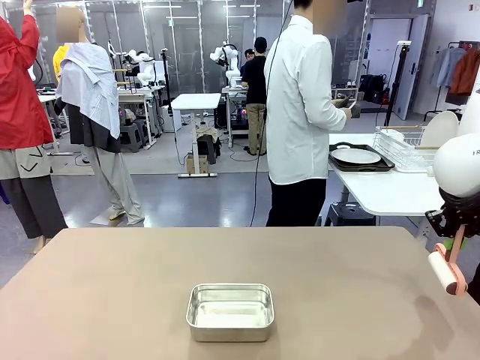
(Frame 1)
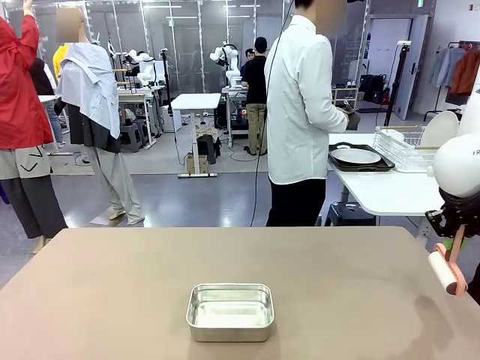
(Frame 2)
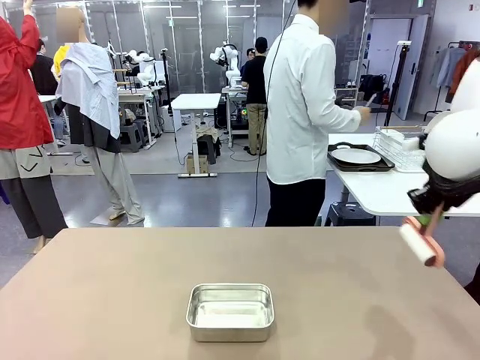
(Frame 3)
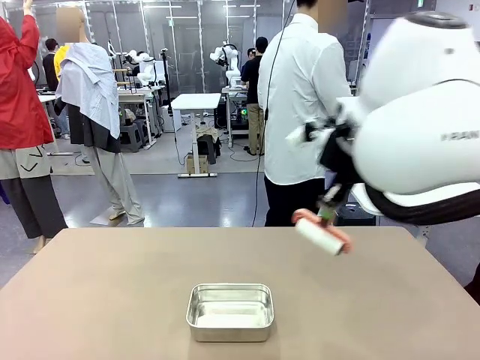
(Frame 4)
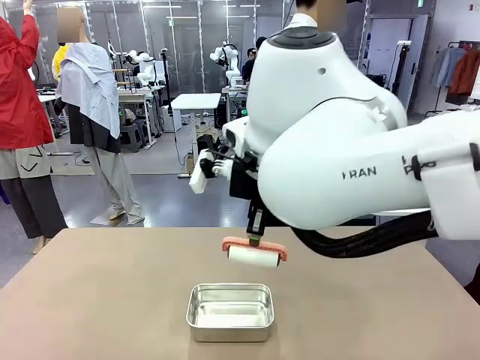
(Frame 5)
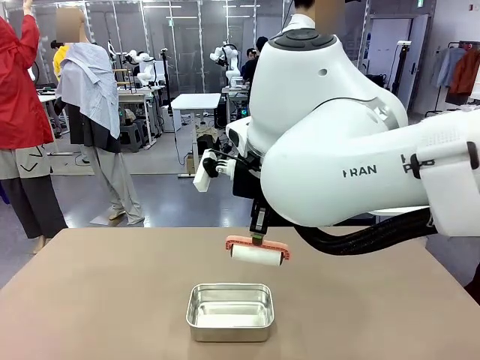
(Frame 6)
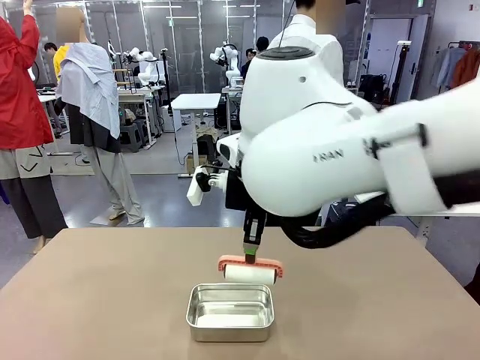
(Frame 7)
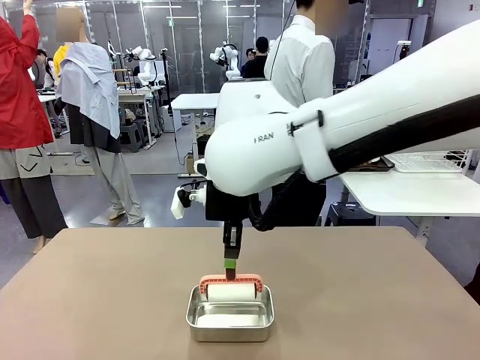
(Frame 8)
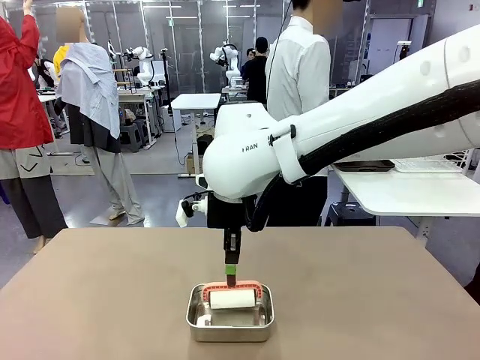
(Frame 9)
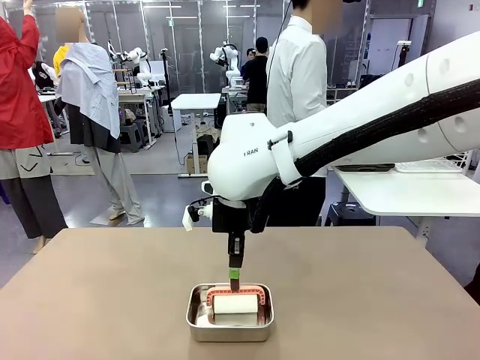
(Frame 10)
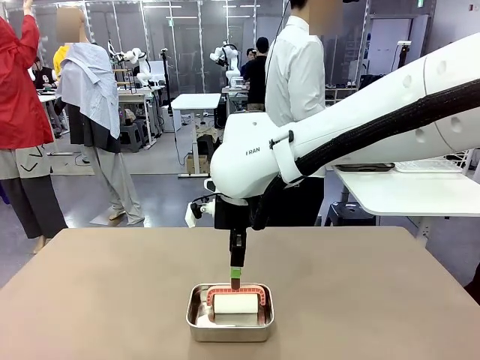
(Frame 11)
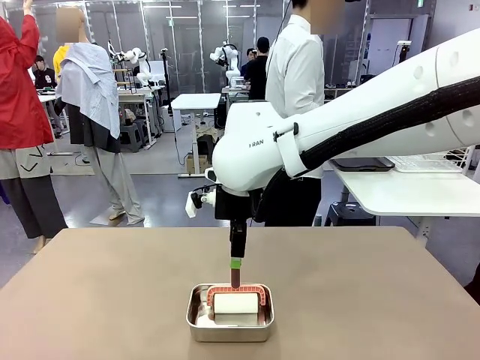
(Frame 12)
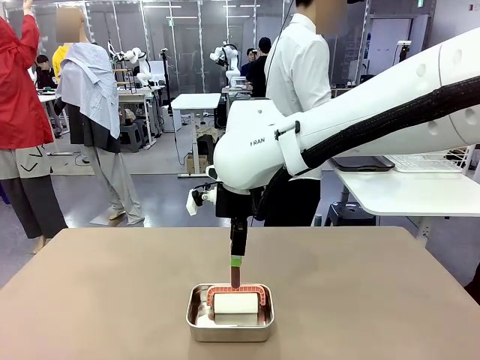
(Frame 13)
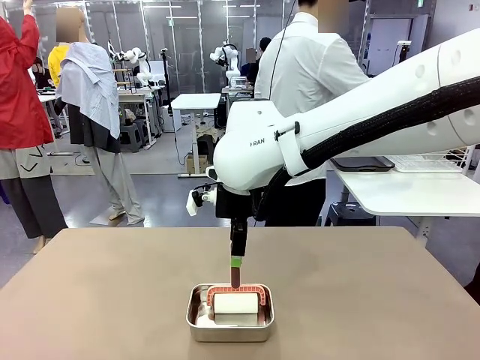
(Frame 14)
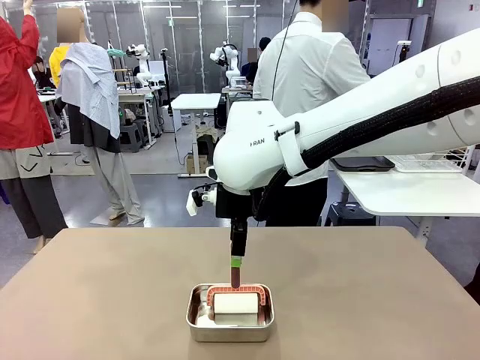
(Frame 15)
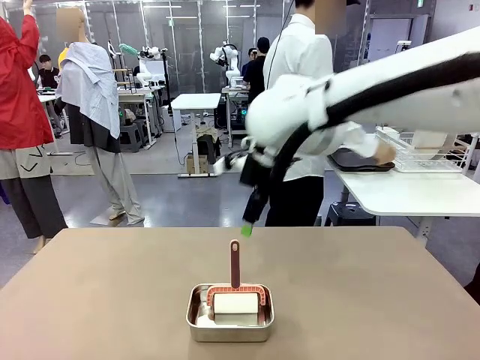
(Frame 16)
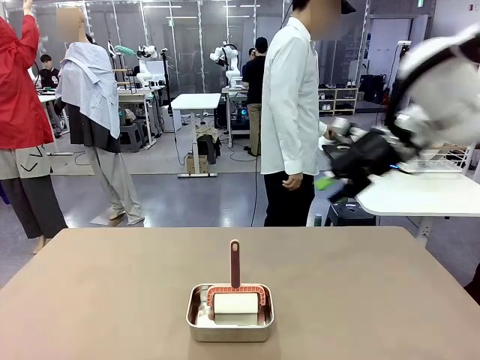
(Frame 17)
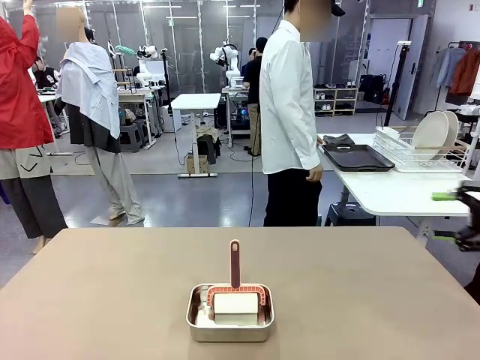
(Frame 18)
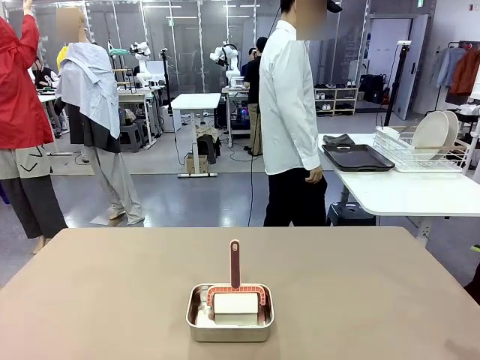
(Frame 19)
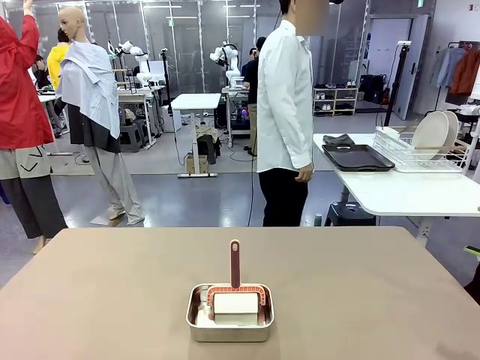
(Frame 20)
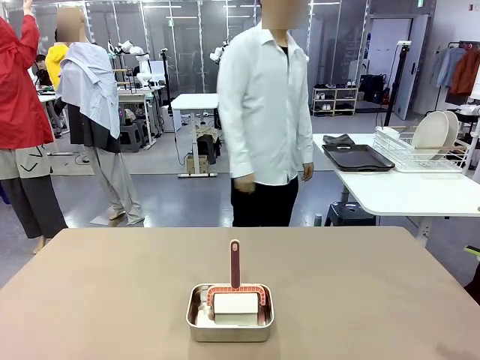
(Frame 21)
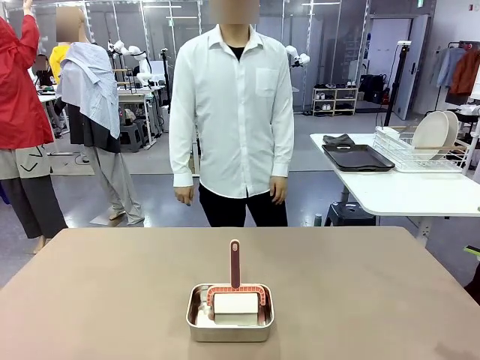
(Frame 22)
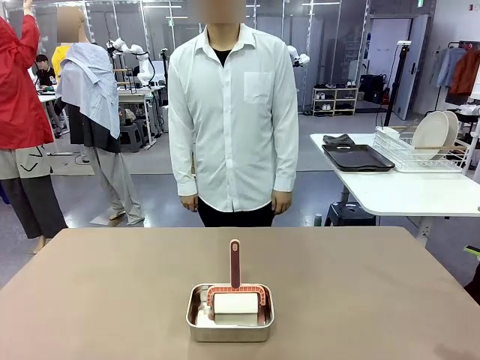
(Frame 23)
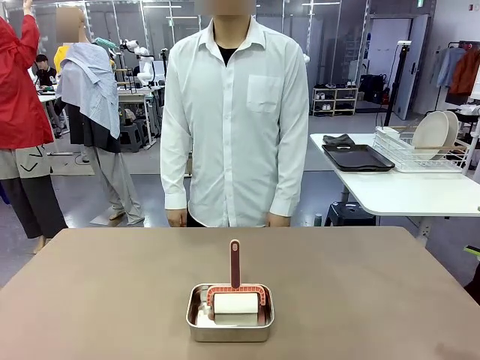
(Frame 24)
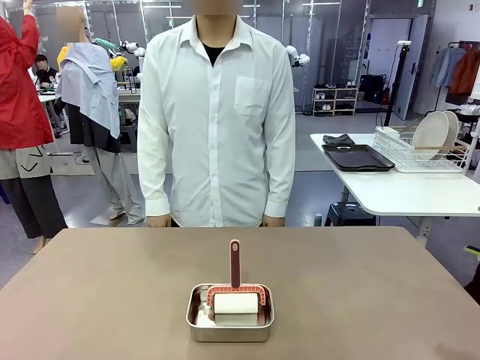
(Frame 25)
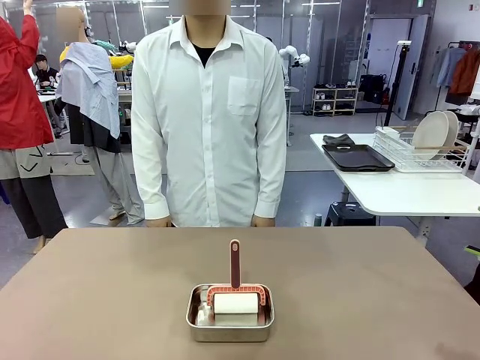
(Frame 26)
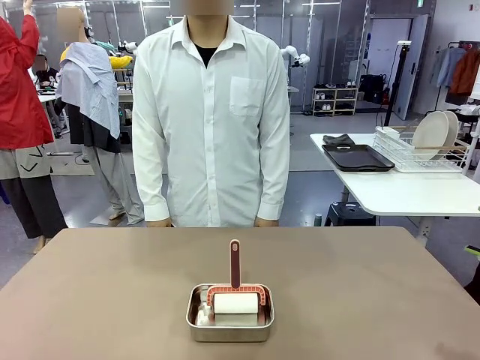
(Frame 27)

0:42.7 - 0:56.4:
Robot: Place the Lint Roller back on top of the Airtight Container.
Person: Use the Towel with hook to wipe the Plastic Matte Plate , Fork , and Knife and place into the Dish drying rack.

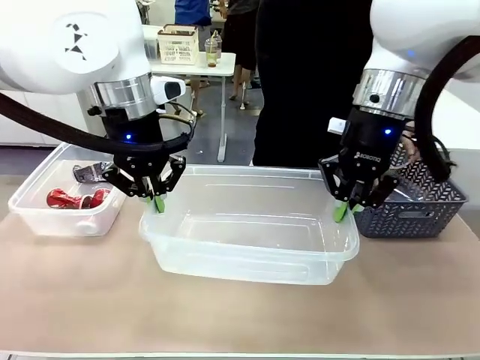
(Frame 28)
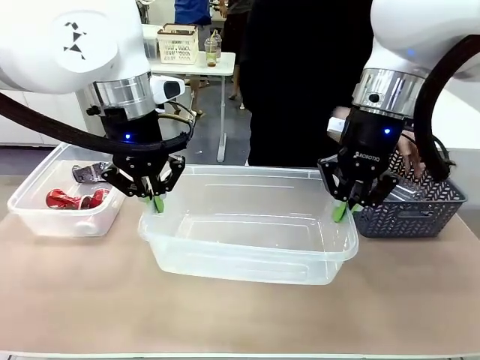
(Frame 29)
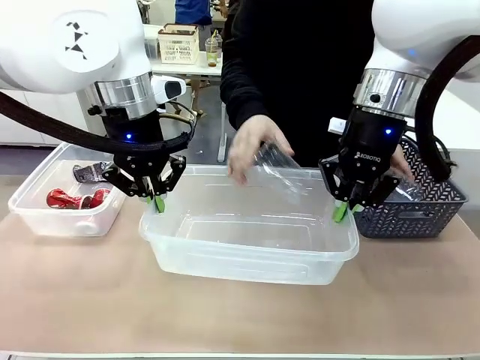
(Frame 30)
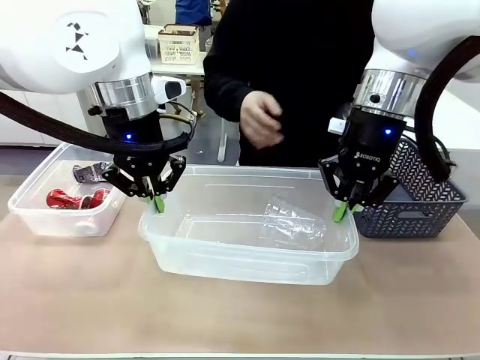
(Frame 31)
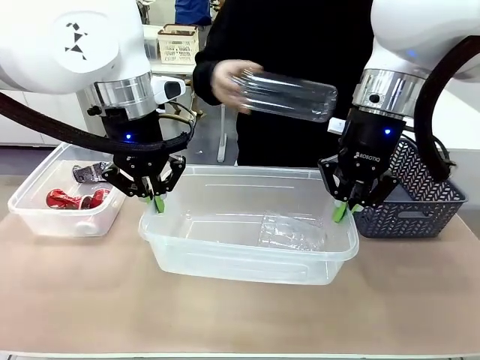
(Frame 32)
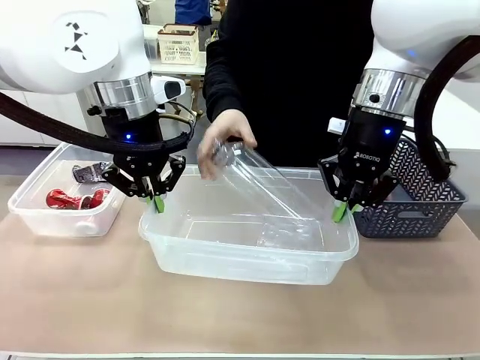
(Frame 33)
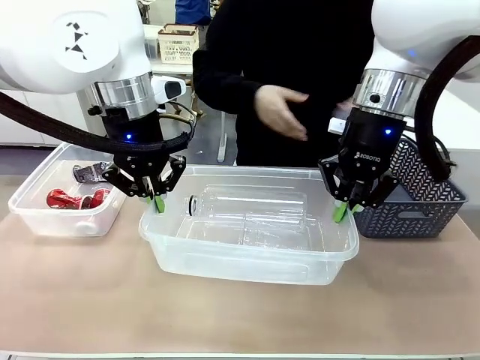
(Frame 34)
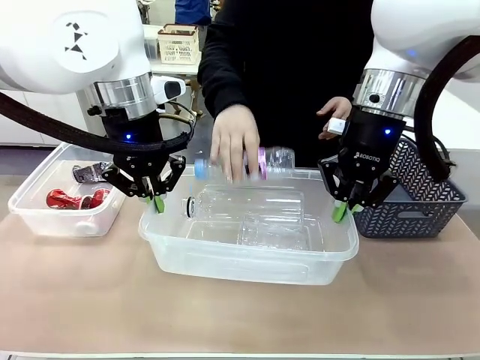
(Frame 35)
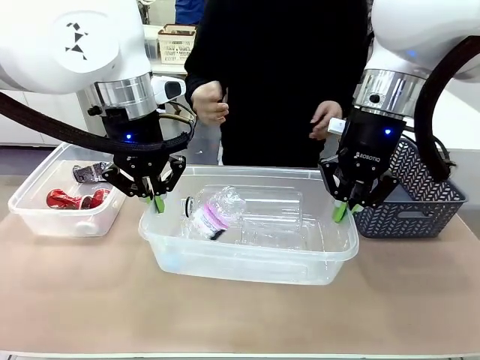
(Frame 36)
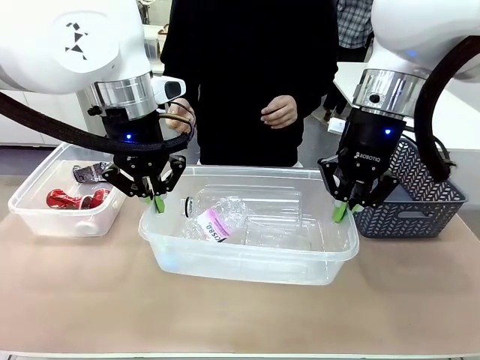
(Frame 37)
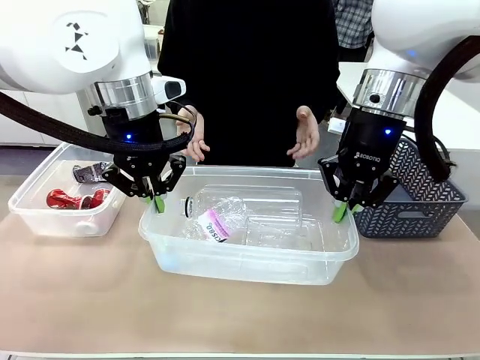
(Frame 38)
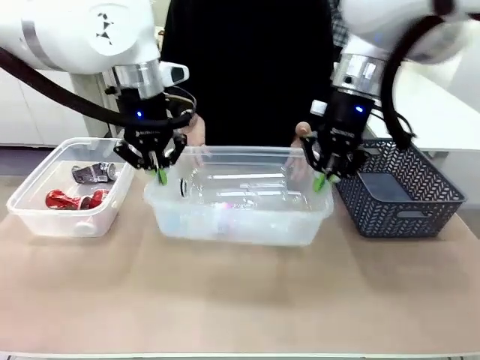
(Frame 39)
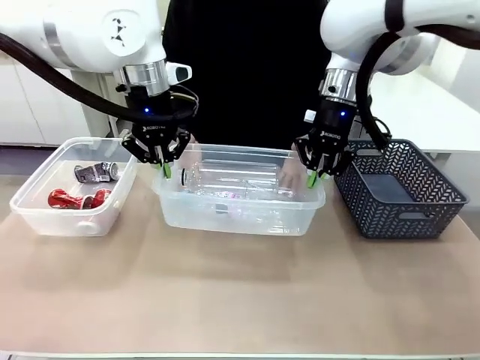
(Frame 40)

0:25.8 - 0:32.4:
Robot: Offer the picked Organizing box to the human.
Person: Pick up plastic waste one by one and place it into the organizing box lifted by the robot.

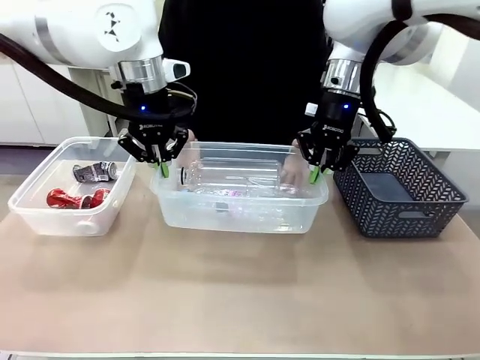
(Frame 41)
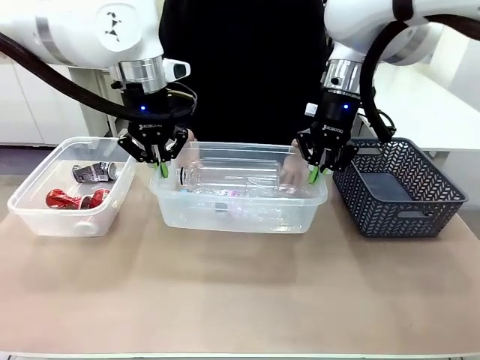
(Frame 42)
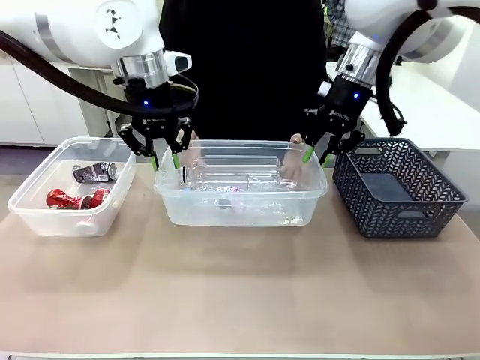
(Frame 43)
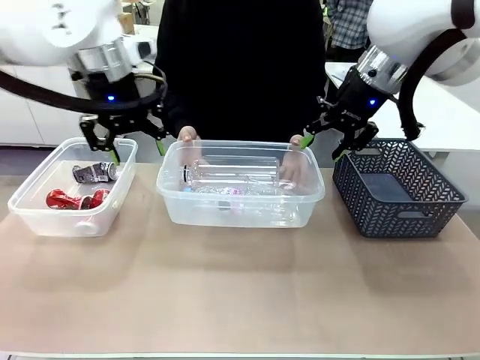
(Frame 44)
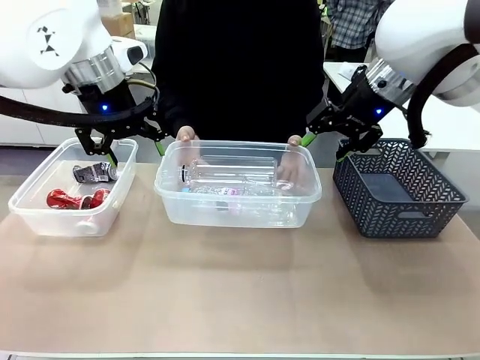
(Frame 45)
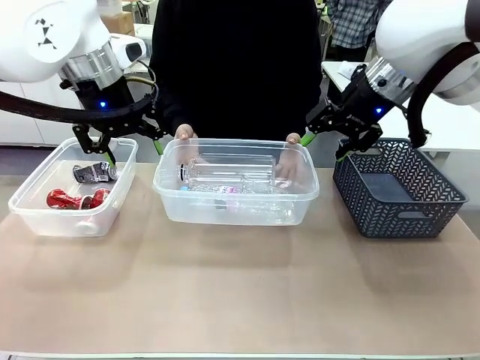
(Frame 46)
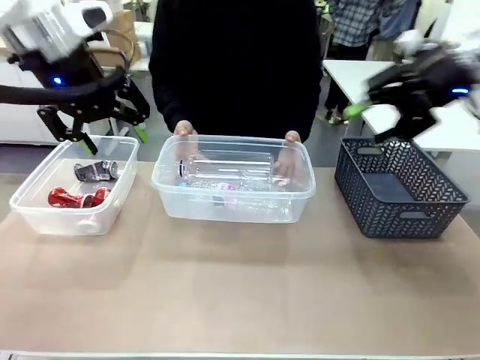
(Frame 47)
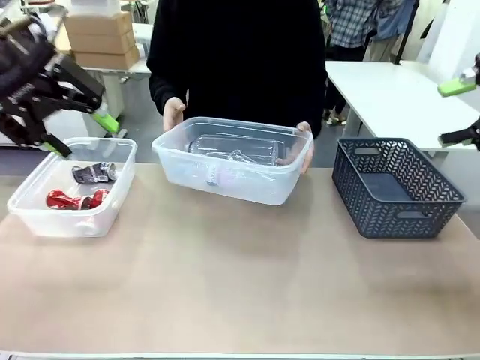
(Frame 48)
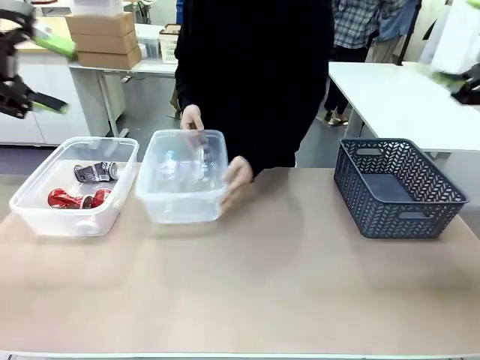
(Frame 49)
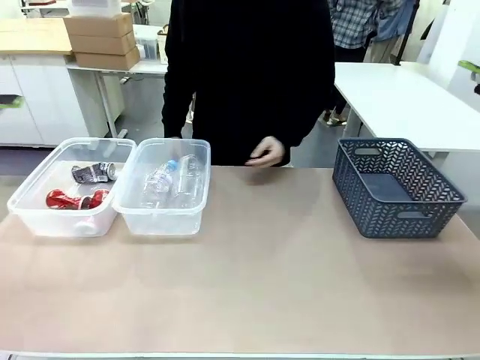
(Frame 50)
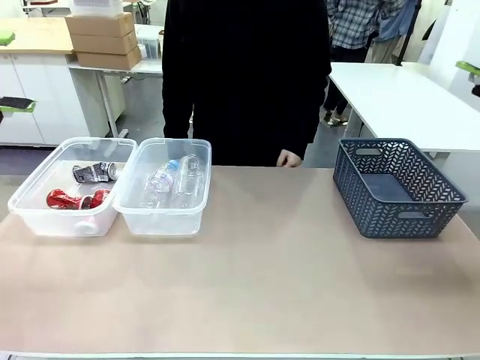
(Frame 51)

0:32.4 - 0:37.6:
Robot: Release the Organizing box you were holding.
Person: Pick up the organizing box extended by the robot. Place the organizing box to the left of the sorting box containing the can waste.
